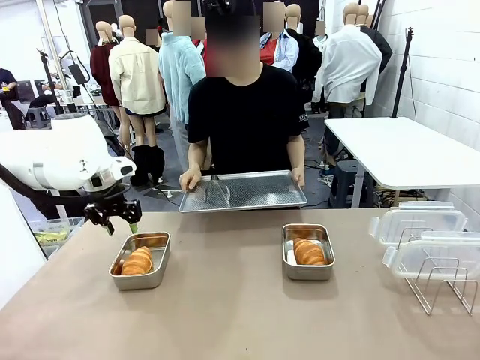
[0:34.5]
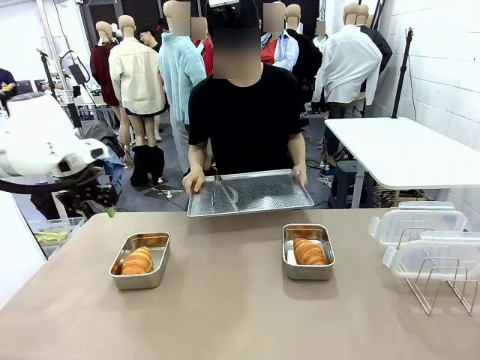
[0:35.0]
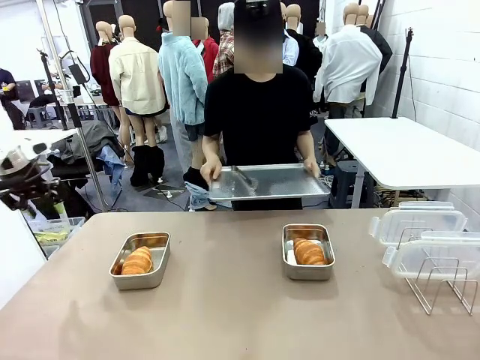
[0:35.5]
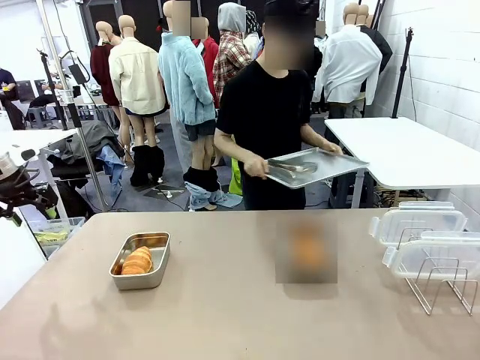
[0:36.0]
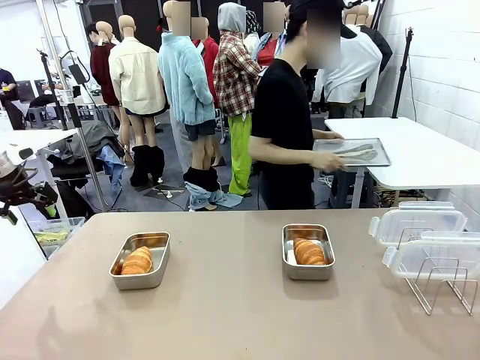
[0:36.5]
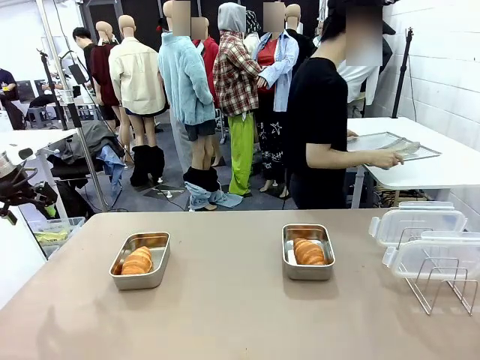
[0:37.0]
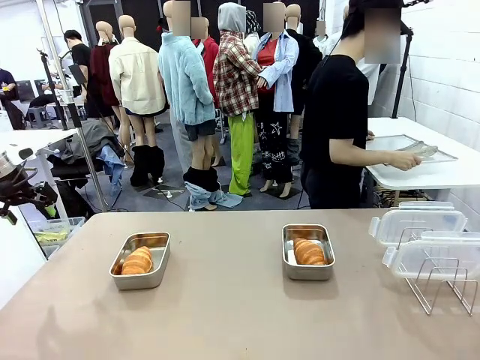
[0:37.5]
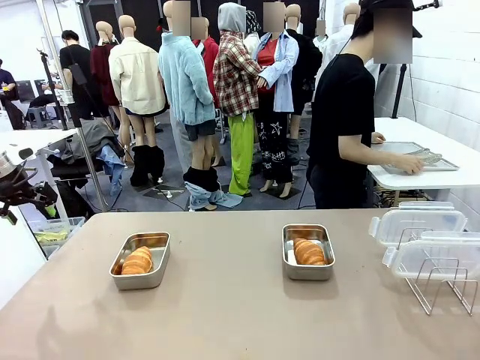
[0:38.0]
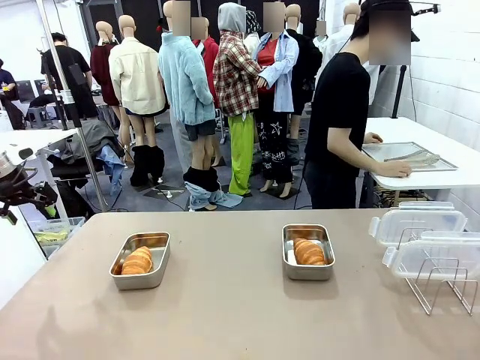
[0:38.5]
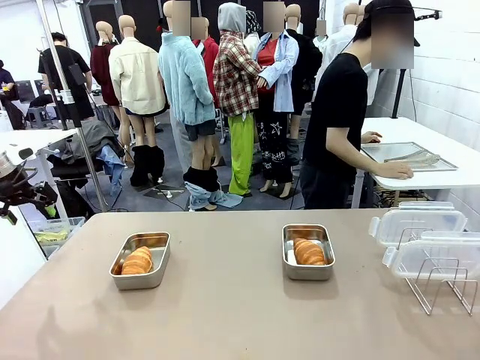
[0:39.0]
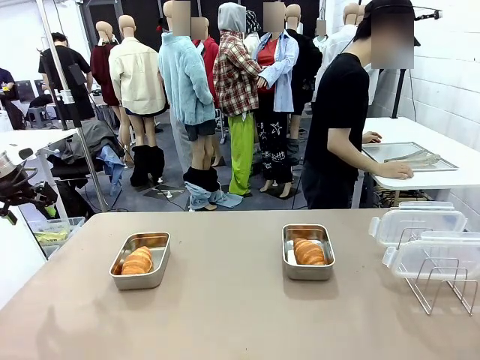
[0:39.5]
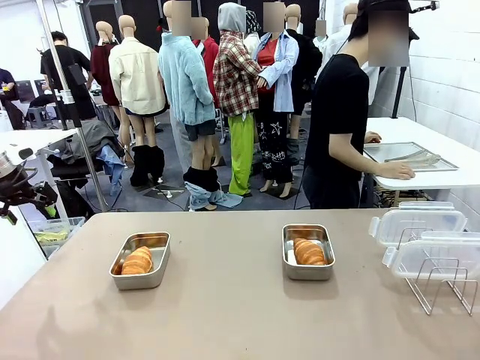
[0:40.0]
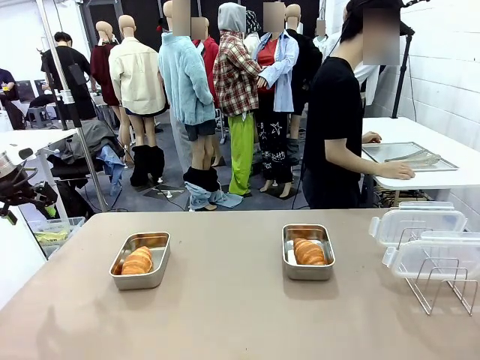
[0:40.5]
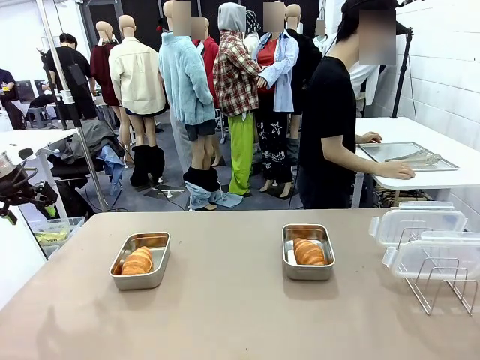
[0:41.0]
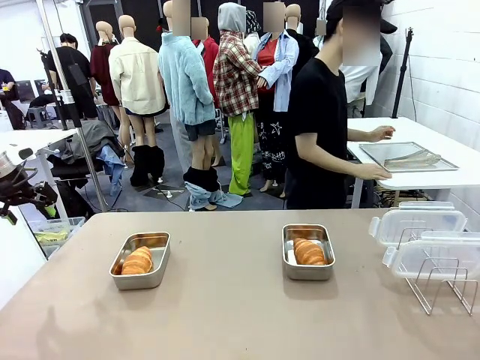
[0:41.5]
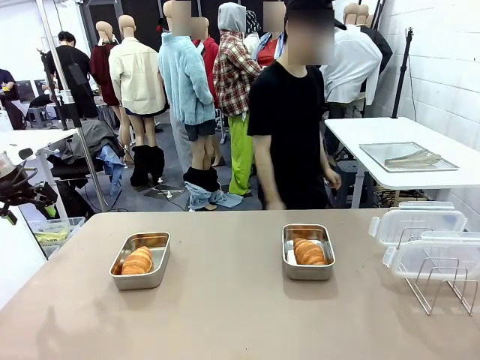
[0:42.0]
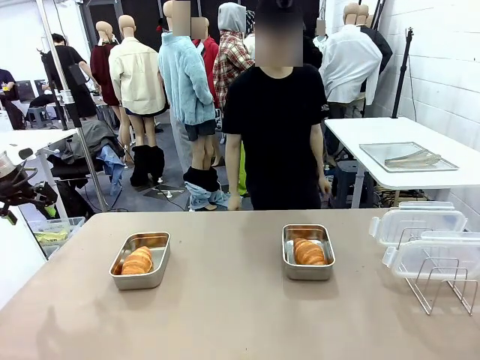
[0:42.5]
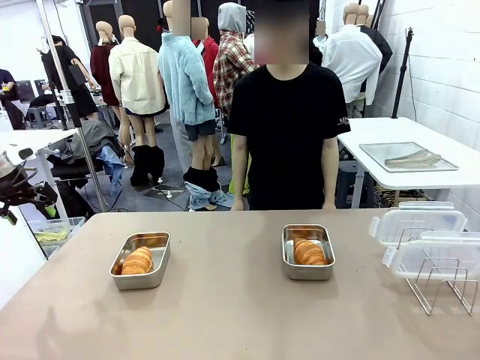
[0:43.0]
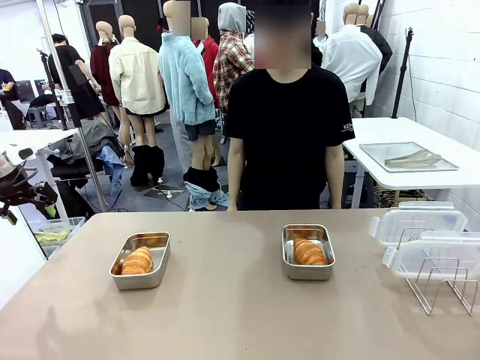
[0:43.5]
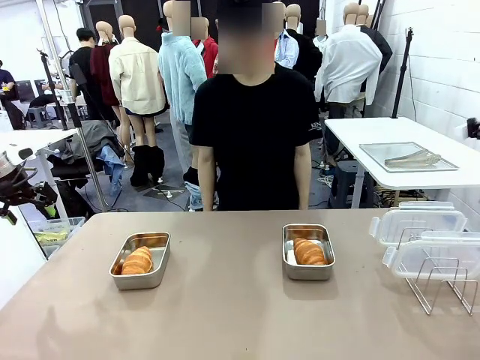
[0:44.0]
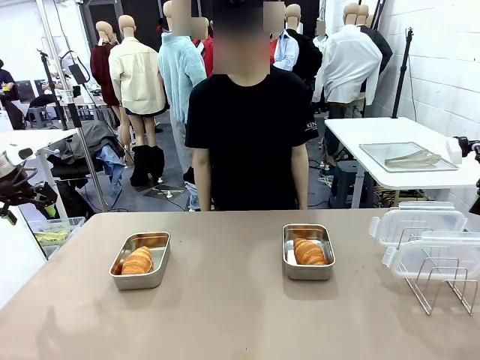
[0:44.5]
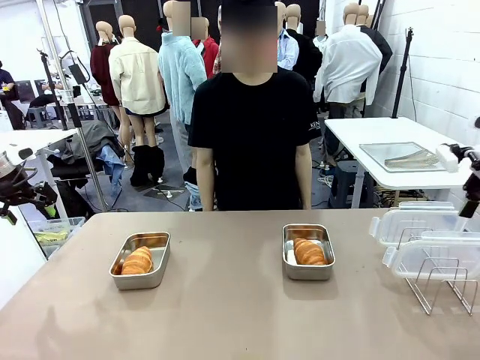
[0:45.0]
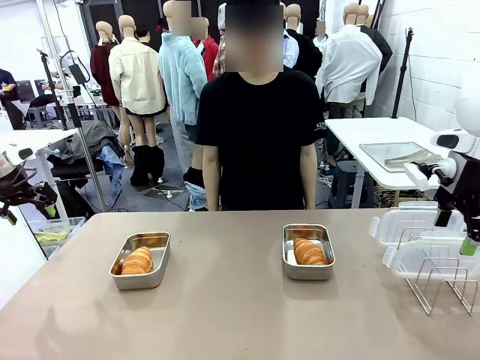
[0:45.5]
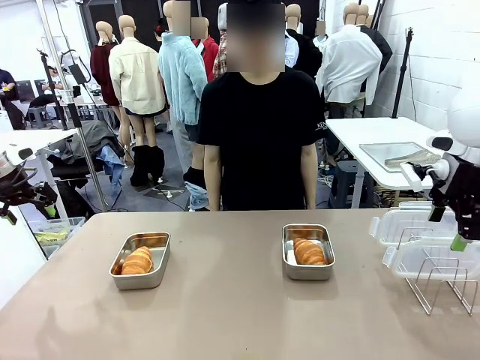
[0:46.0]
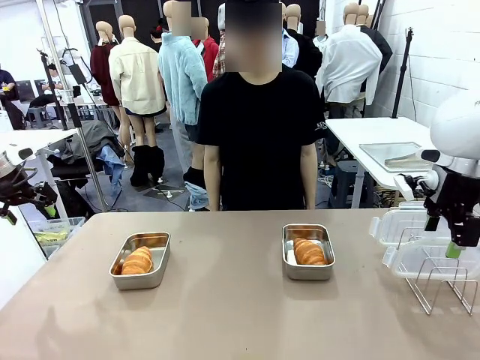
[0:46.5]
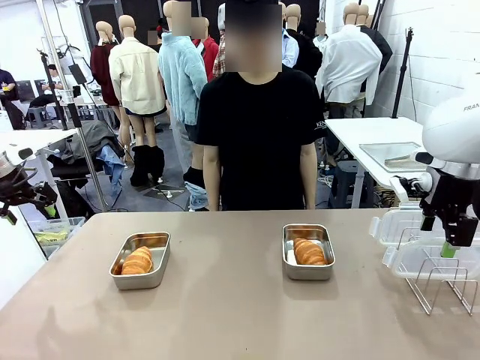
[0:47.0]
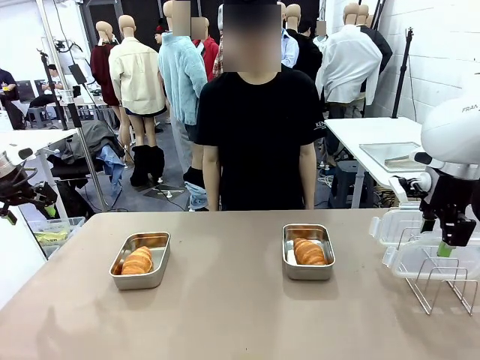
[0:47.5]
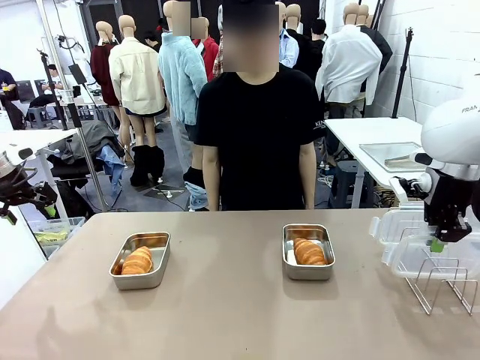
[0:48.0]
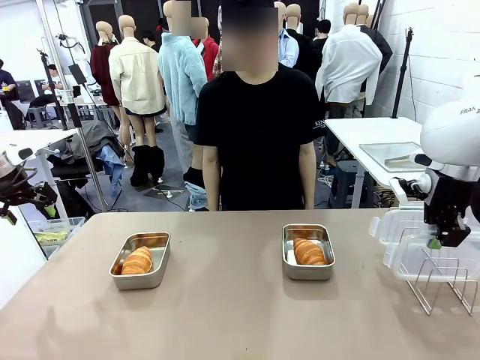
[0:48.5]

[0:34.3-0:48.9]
Task: Place the bread in airtight containers.
Robot: Pick up one Airtight Container lid and hand it to the human.
Person: Place Baking Sheet on the Human's Table. Grip Airtight Container lid that robot is handing.

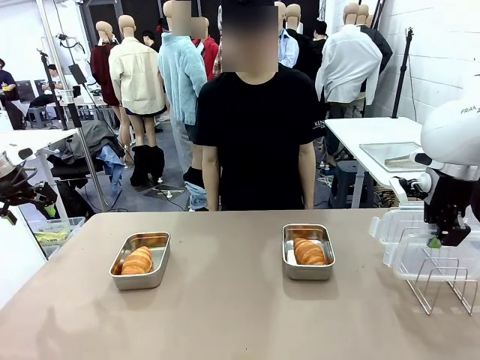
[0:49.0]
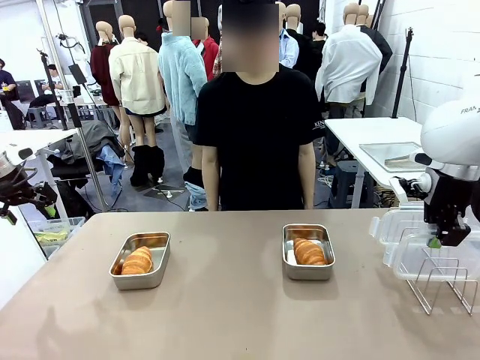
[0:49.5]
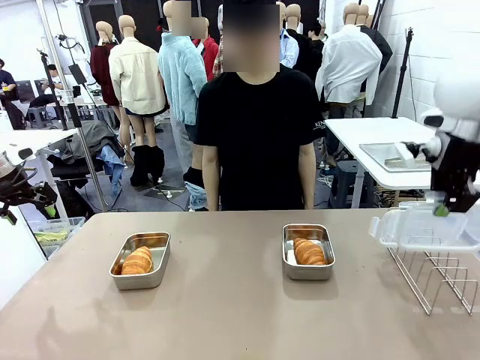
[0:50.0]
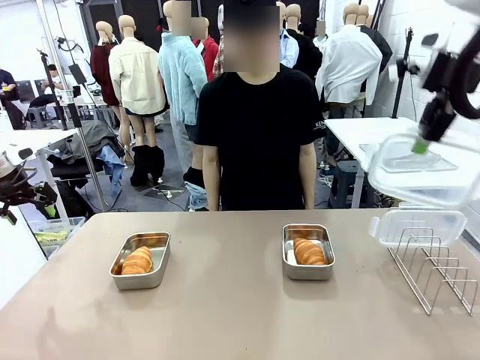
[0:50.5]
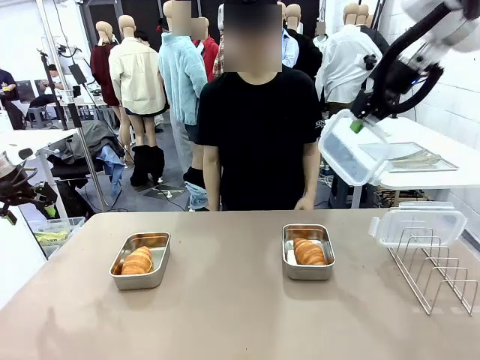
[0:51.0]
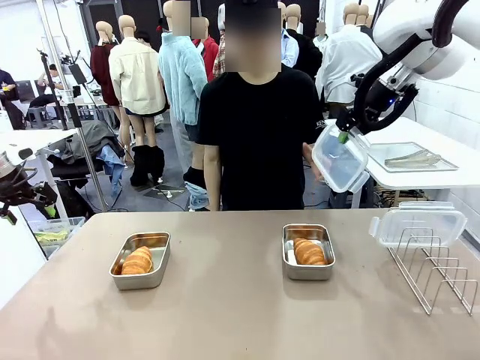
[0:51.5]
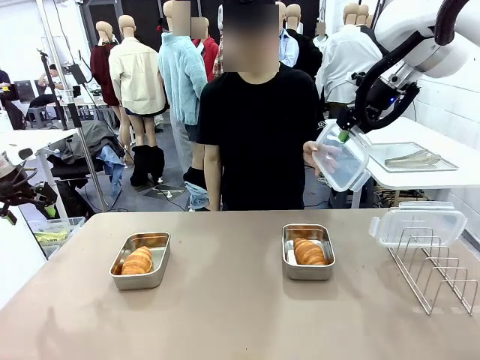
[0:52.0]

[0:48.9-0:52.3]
Robot: Release when the human grabs the Airtight Container lid.

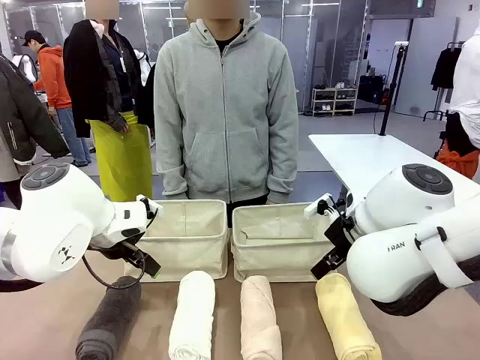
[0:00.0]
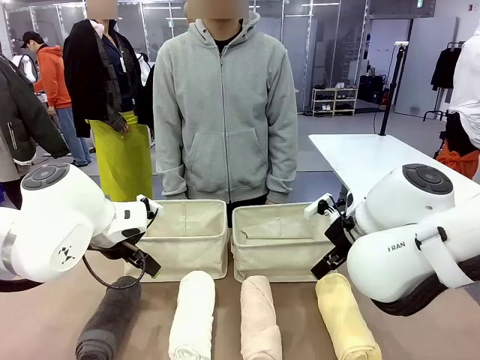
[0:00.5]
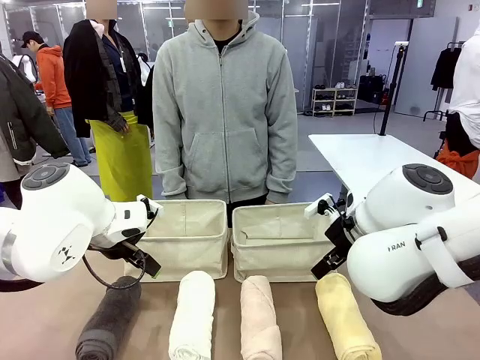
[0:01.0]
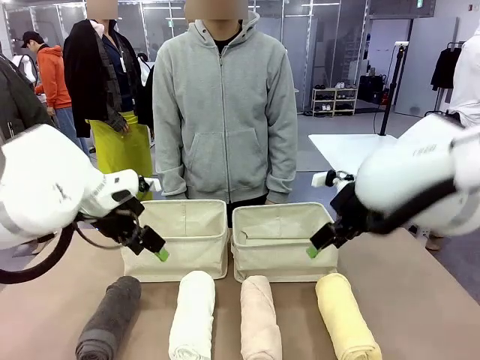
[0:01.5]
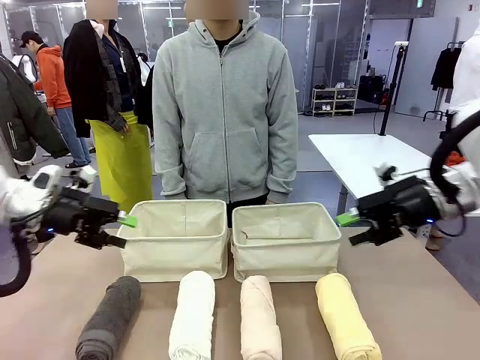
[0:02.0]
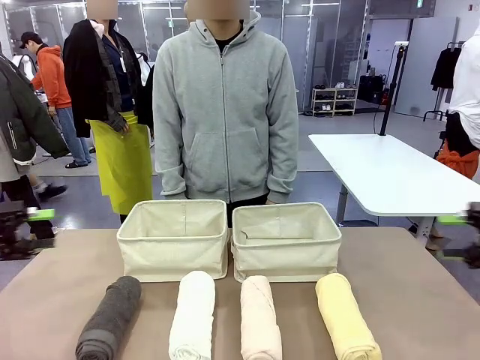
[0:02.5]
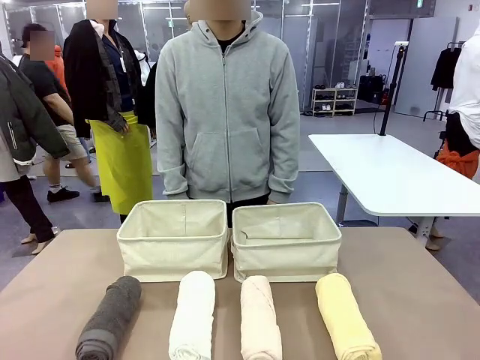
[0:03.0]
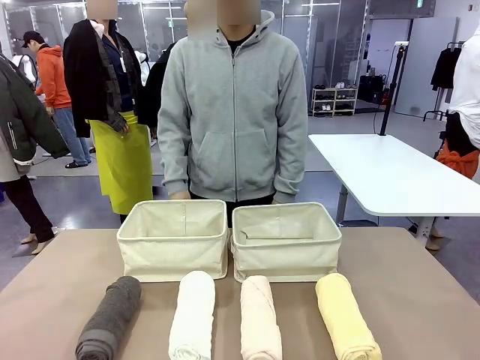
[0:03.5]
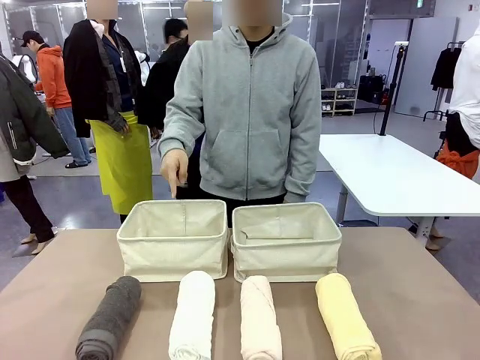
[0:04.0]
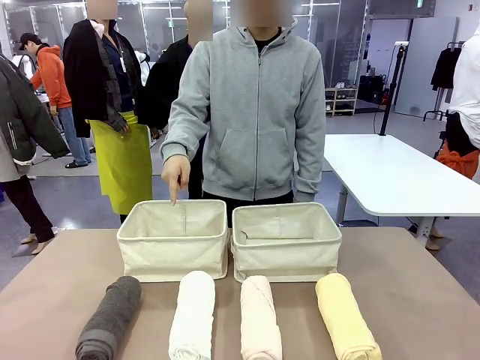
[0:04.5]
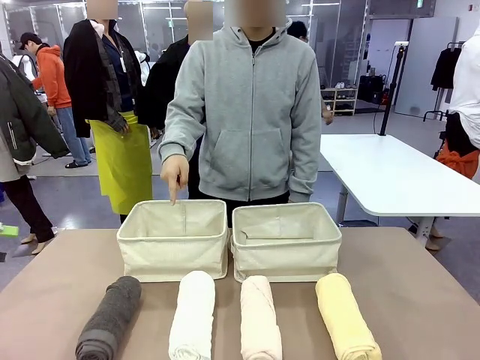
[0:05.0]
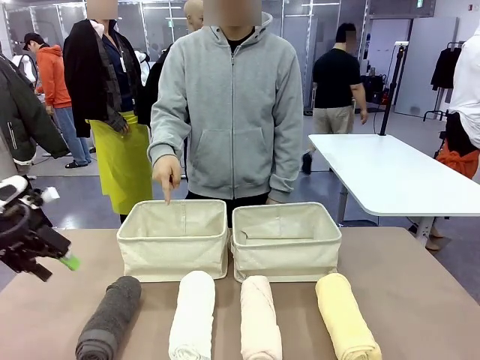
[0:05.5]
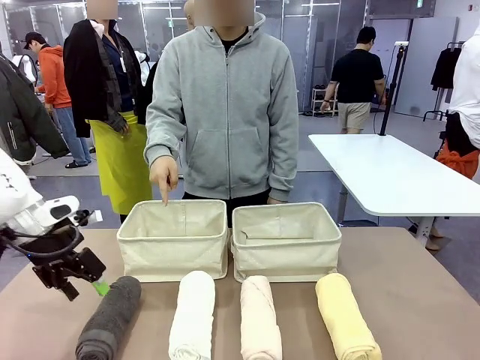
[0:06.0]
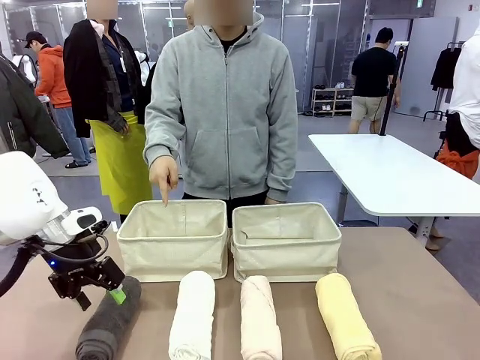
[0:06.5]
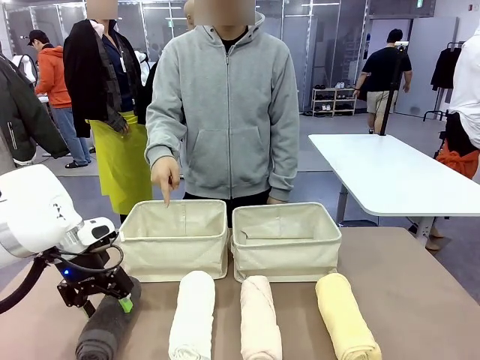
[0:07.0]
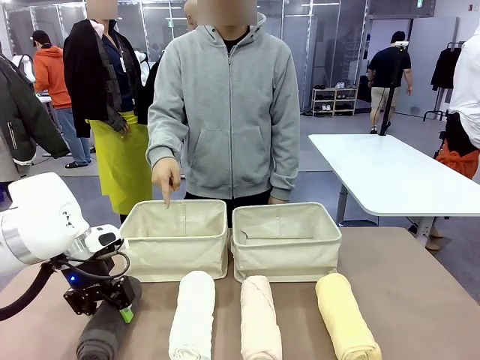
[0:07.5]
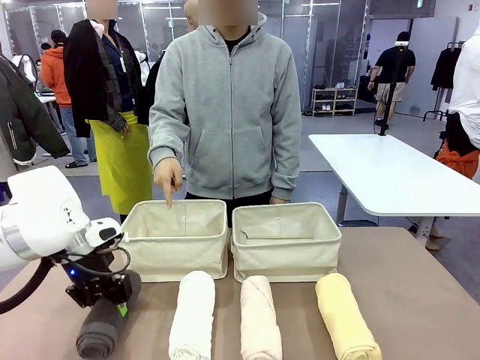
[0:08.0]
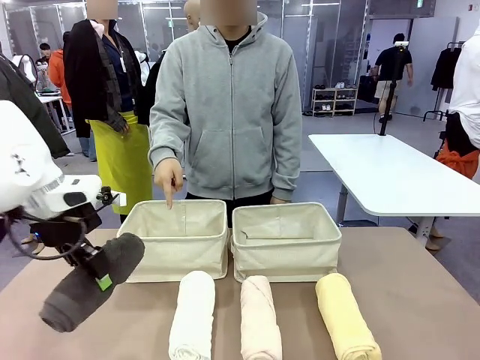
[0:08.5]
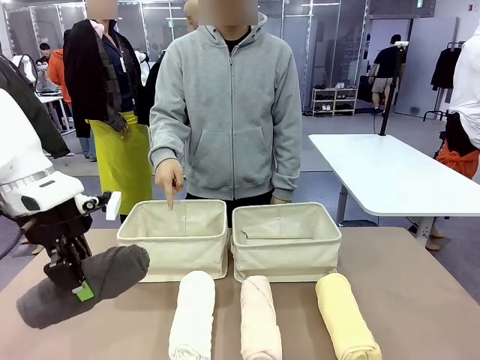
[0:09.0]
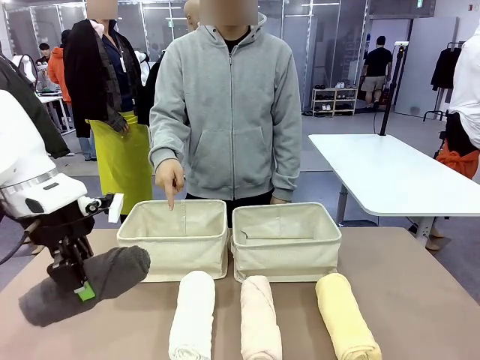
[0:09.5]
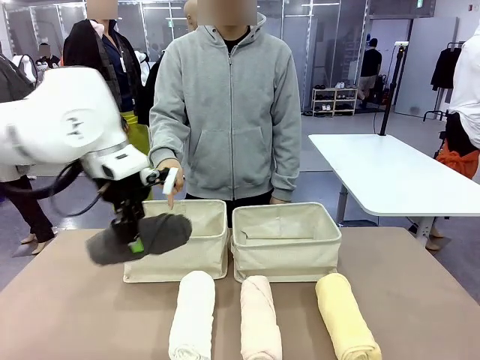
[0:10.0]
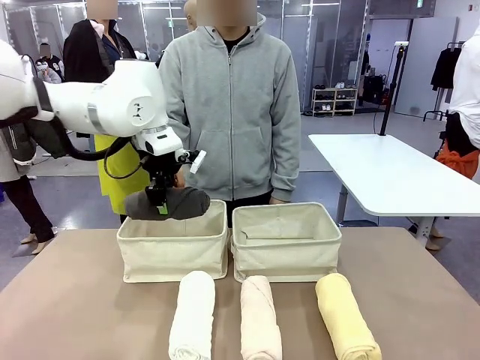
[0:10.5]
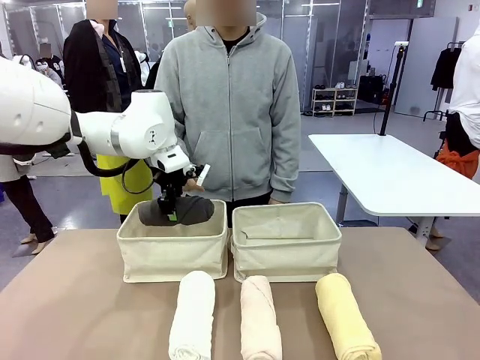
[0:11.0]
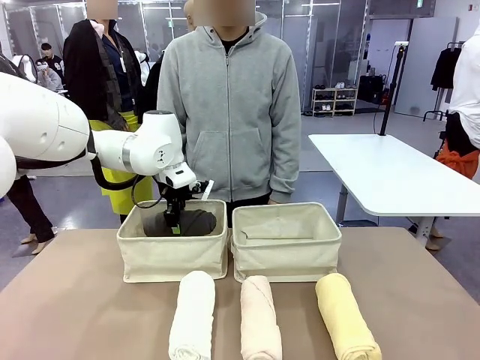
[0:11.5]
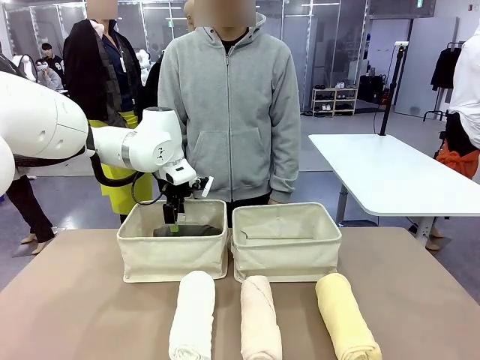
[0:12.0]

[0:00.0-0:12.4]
Task: Divide the towels into two baskets.
Robot: Pick up one hotel-folded towel and place it in the Fabric basket indicated by the person.
